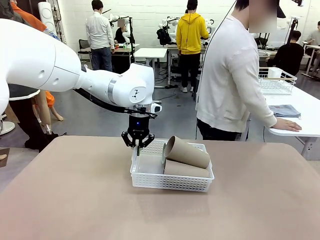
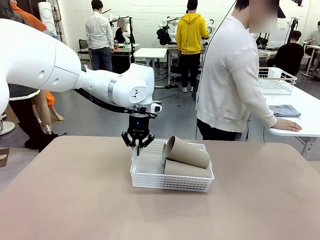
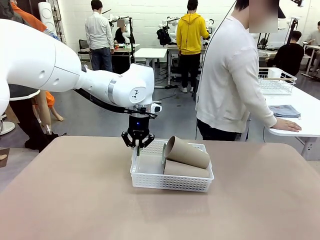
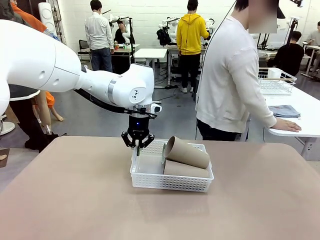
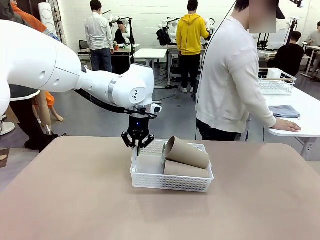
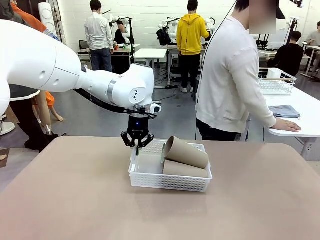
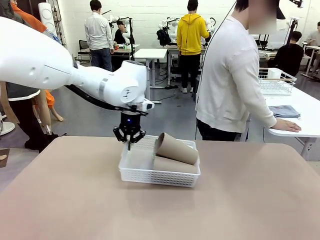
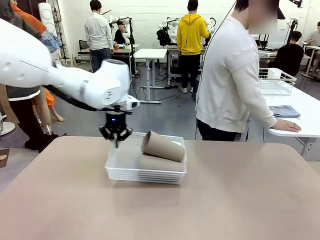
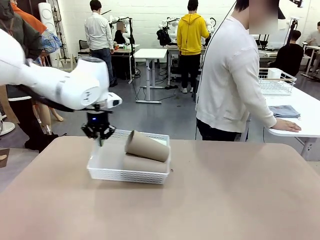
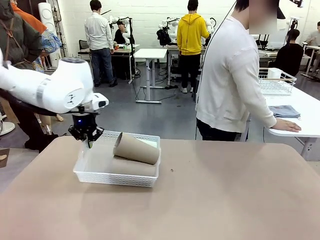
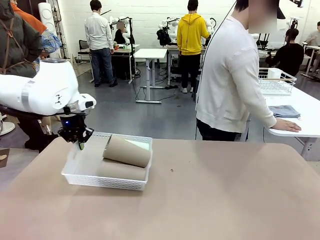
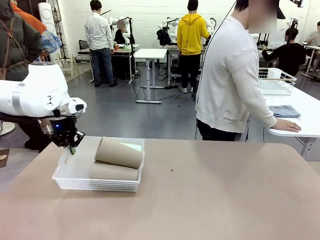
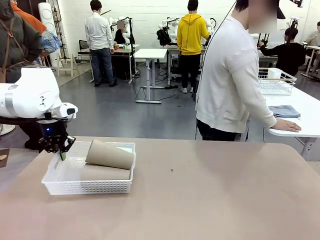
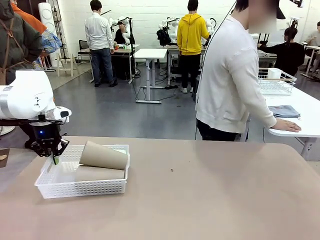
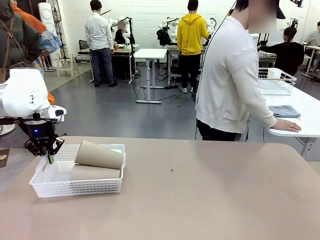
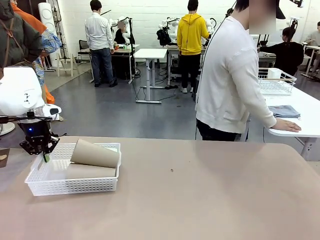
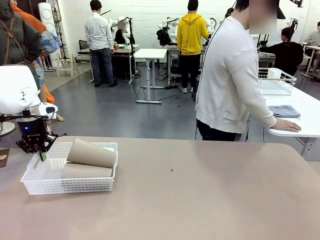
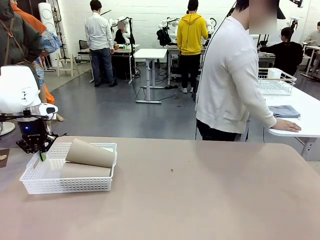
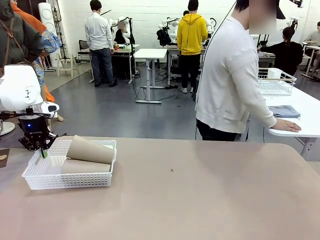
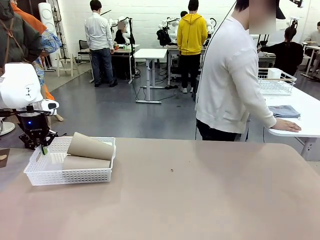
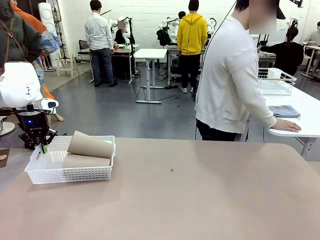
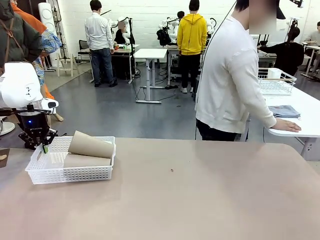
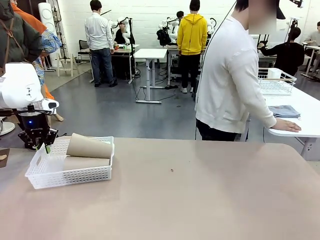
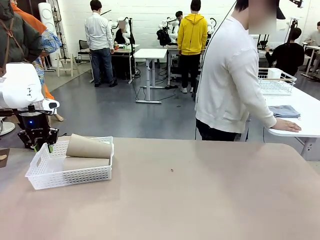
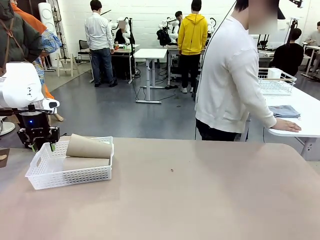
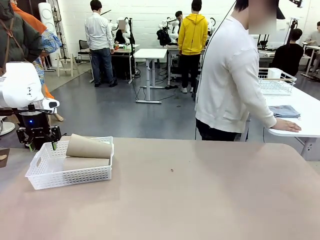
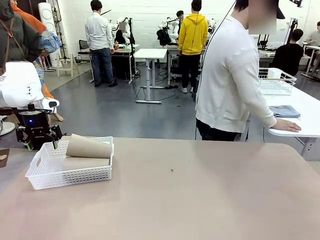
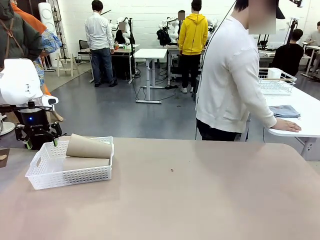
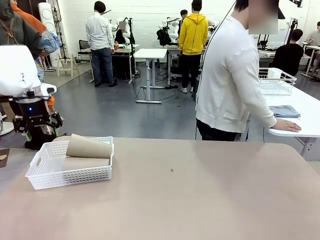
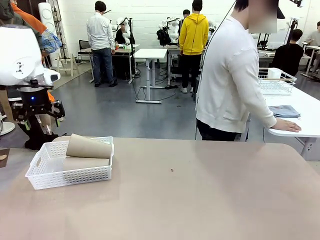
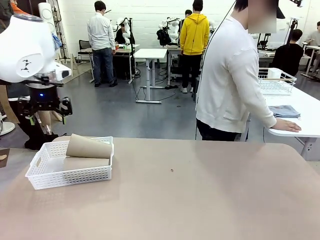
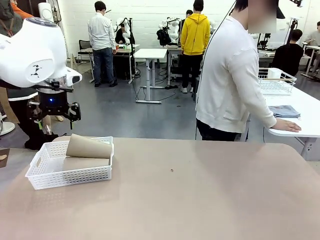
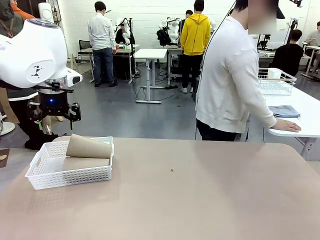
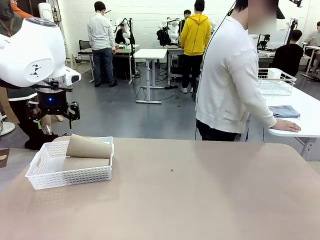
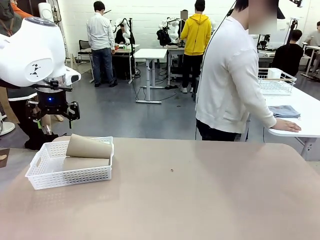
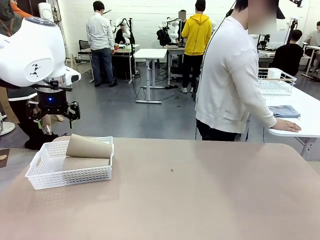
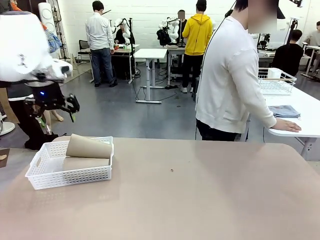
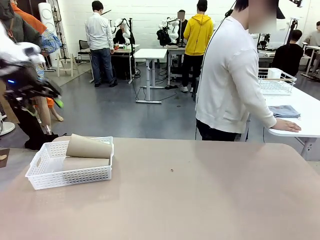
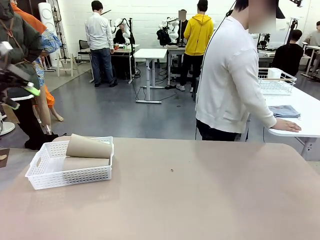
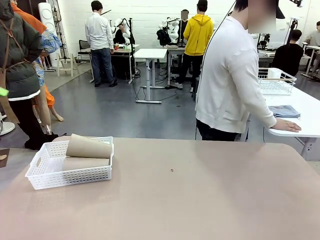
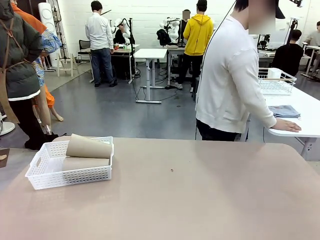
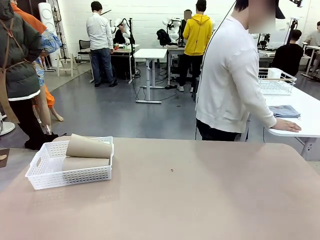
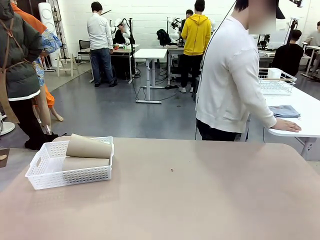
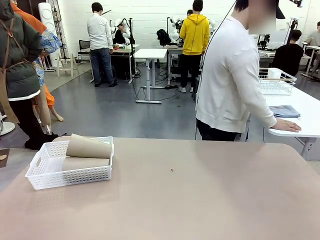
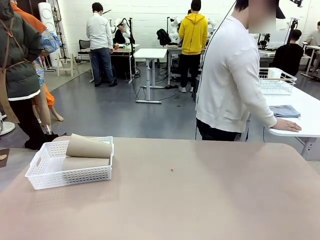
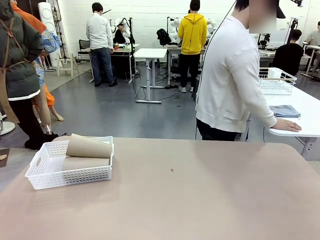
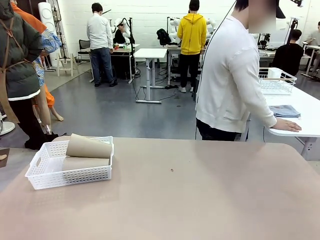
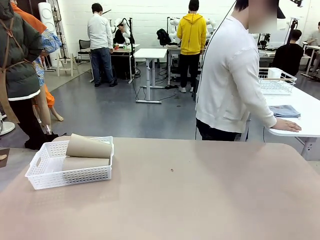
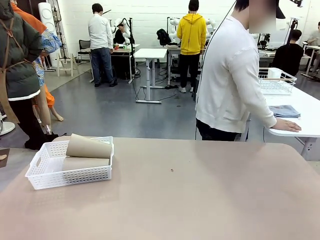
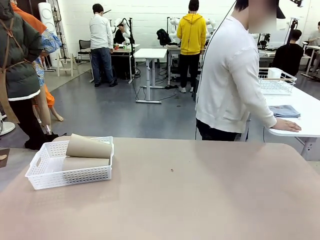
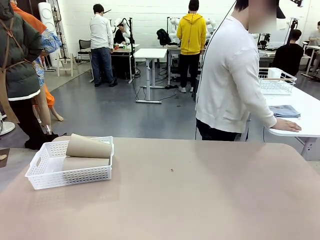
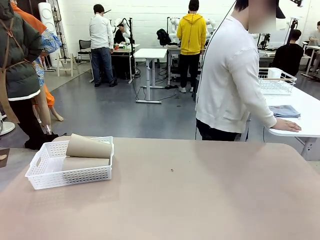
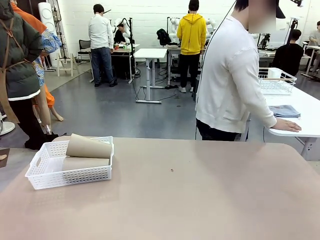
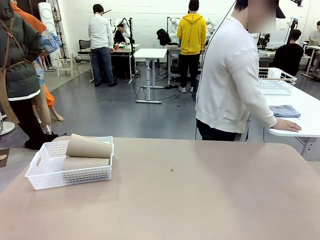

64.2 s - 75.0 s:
Task: Clean and organize the cups into the basket.
Robot: Move the Organizing basket back to the left side of the table.

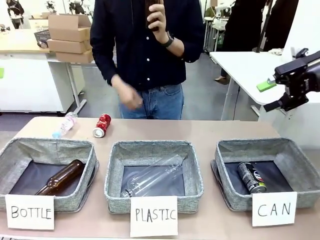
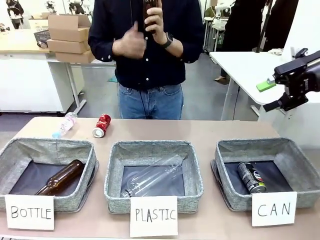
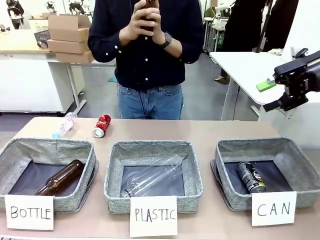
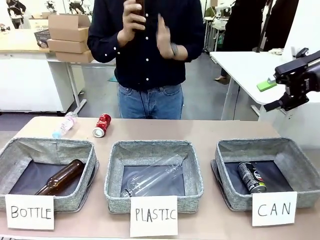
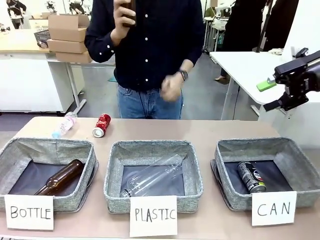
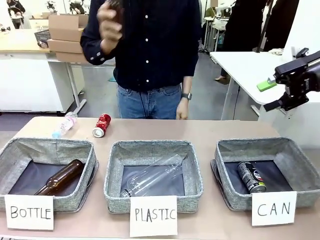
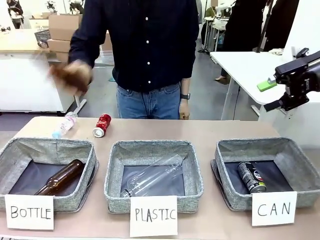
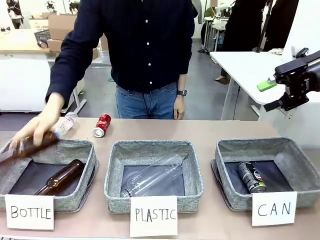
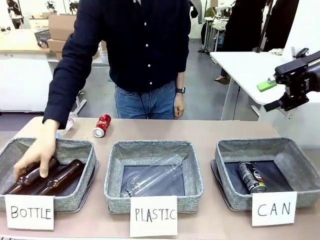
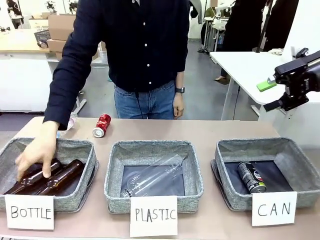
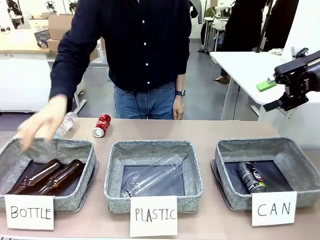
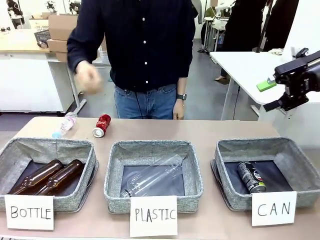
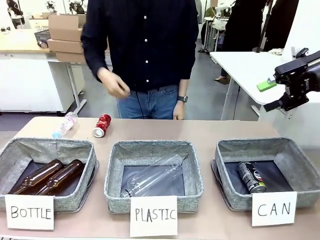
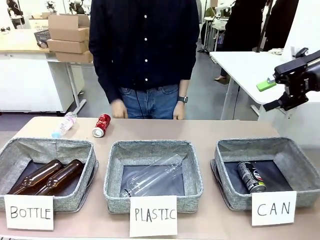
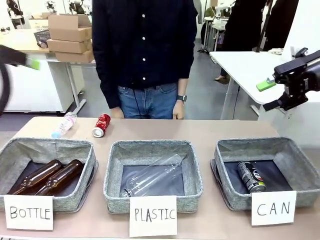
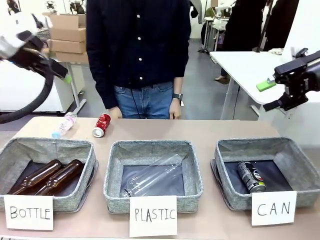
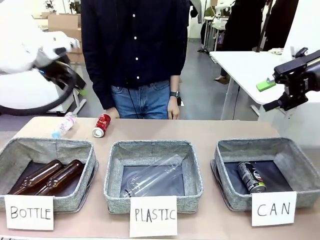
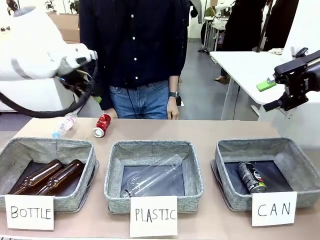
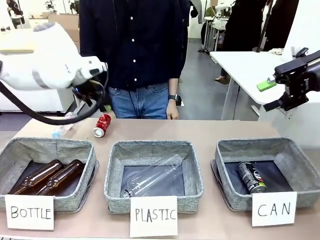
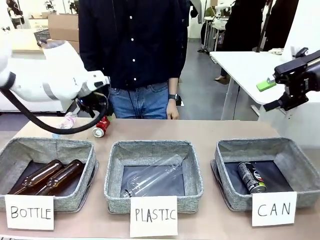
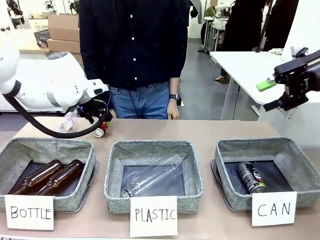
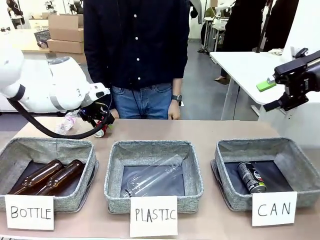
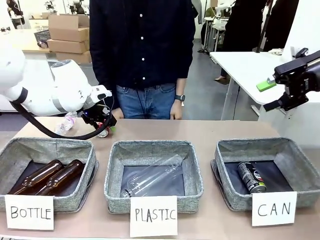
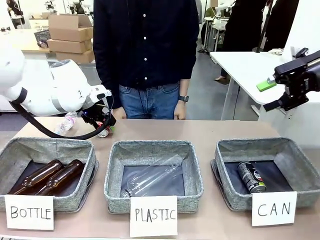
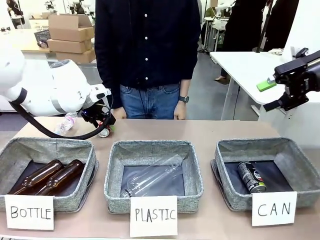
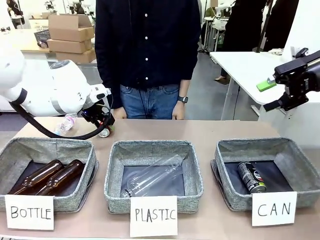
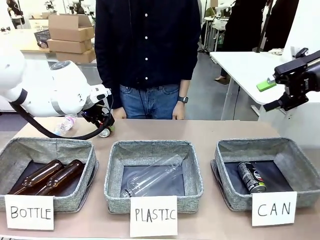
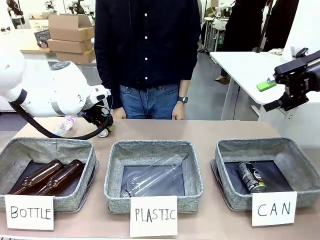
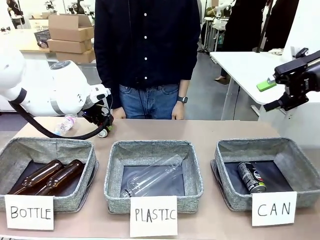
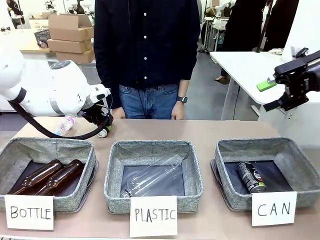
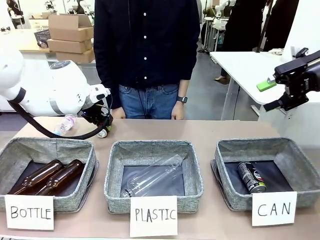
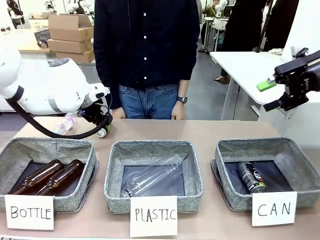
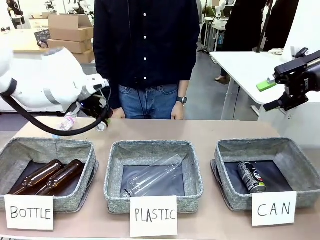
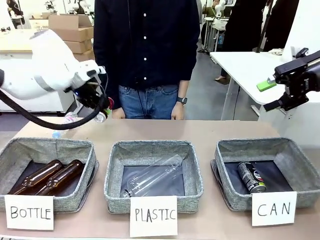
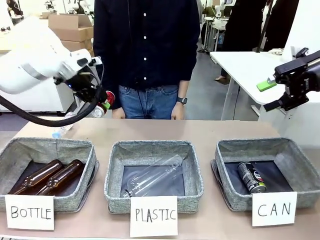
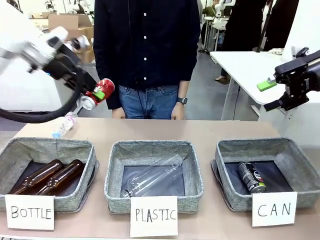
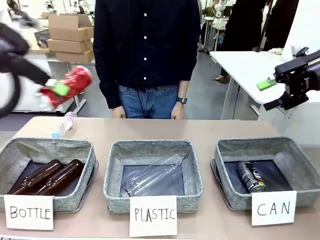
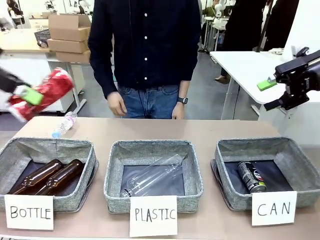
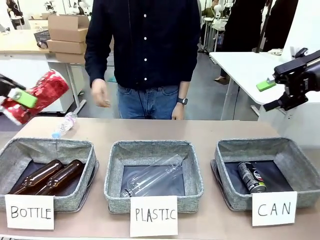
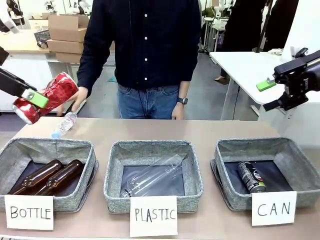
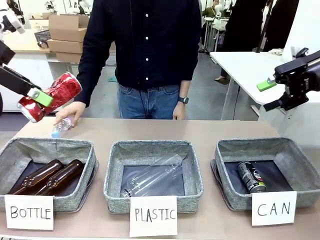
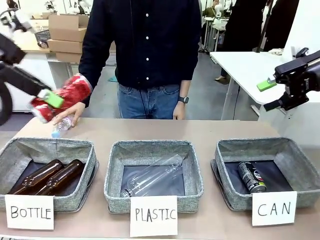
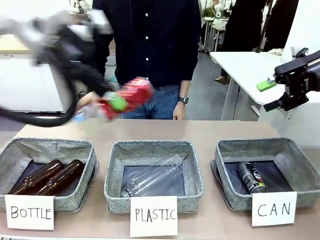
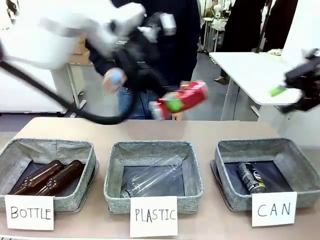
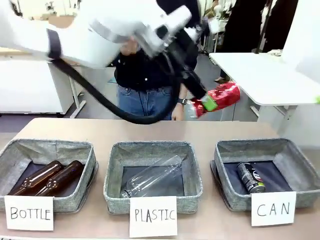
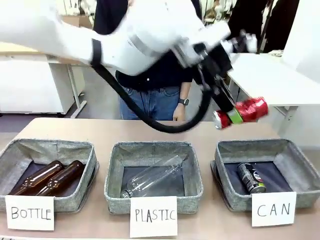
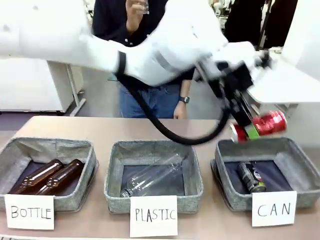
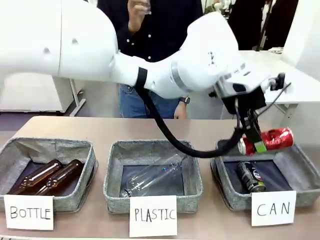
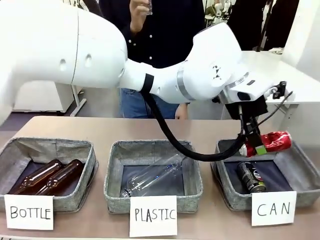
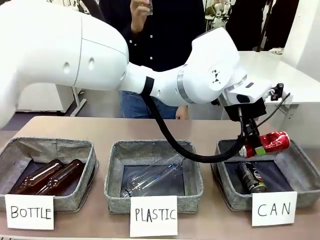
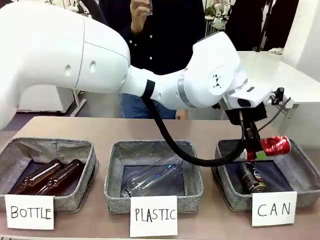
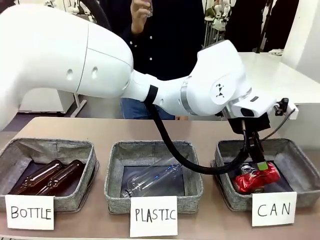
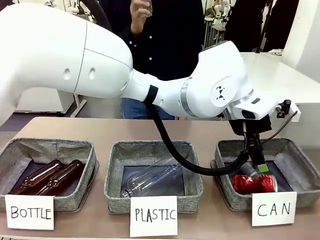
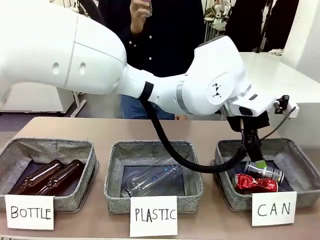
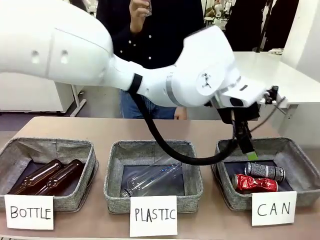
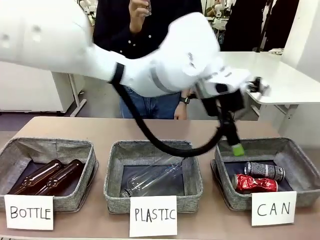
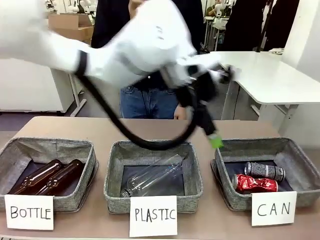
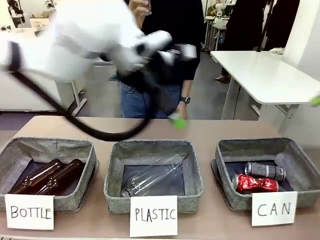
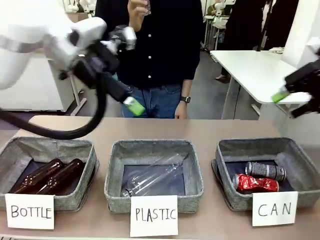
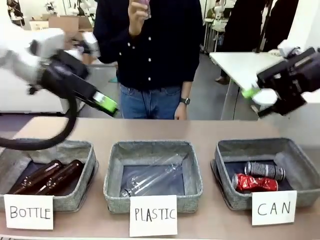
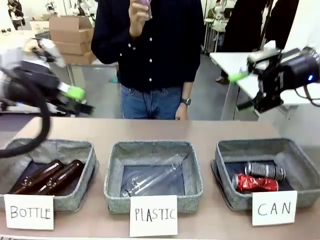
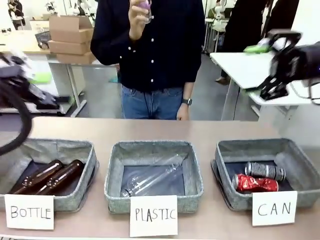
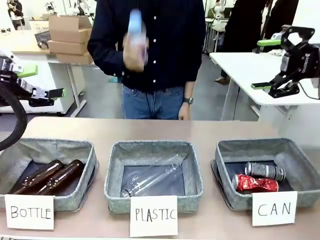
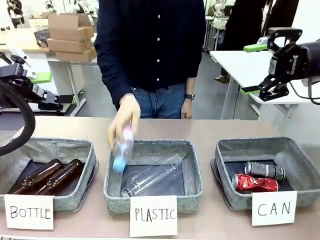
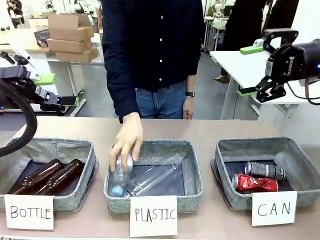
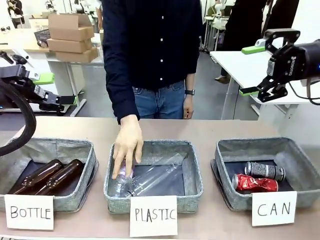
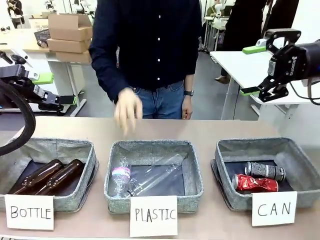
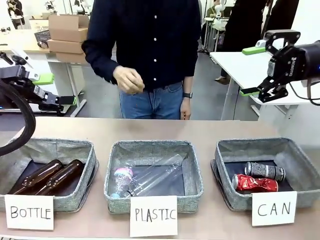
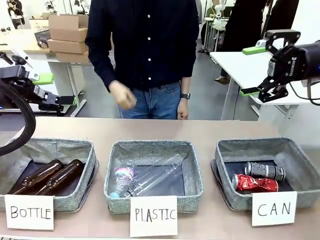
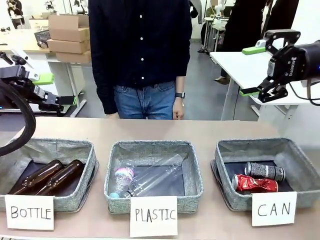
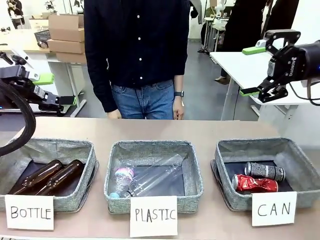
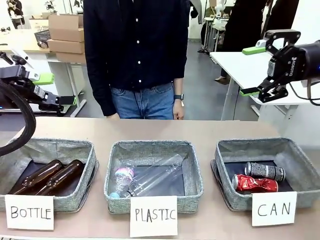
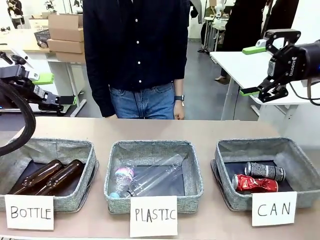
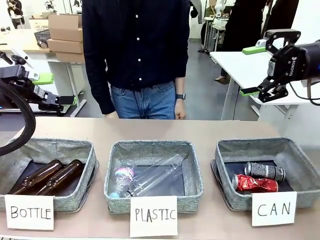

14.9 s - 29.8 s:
Task: Sort the can waste into the basket.
Robot: Pick up the can waste from the table and place it in the right Fabric basket.
